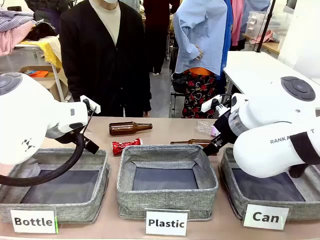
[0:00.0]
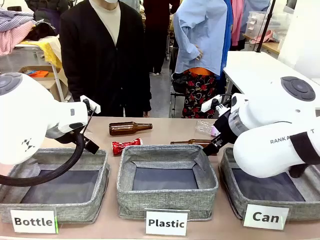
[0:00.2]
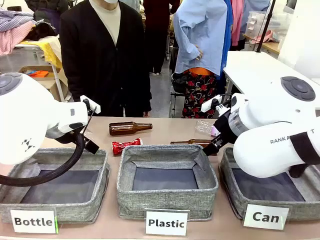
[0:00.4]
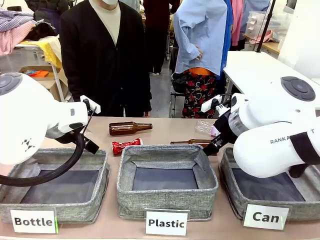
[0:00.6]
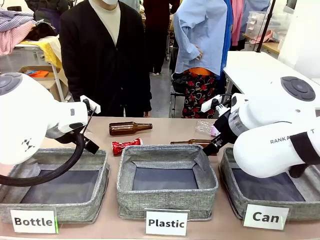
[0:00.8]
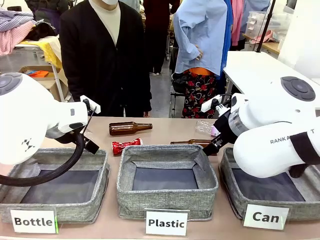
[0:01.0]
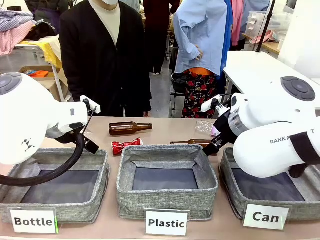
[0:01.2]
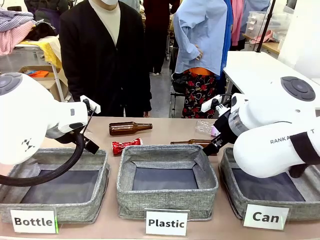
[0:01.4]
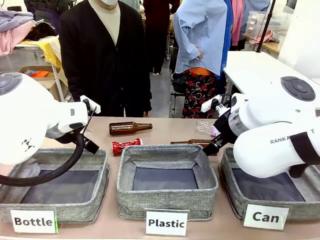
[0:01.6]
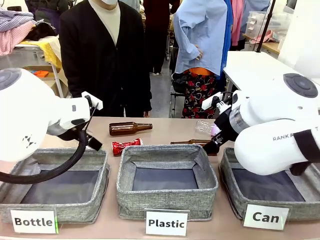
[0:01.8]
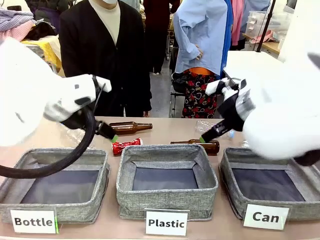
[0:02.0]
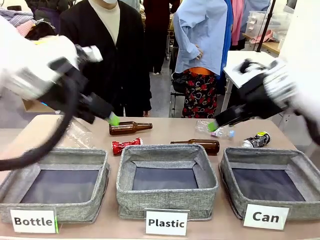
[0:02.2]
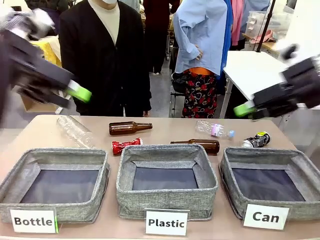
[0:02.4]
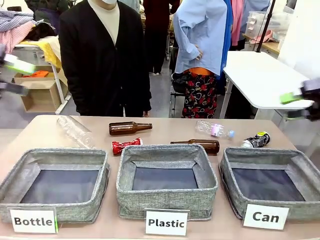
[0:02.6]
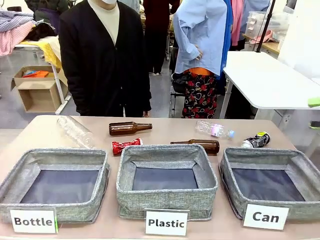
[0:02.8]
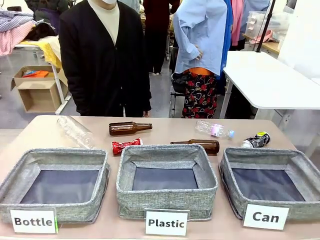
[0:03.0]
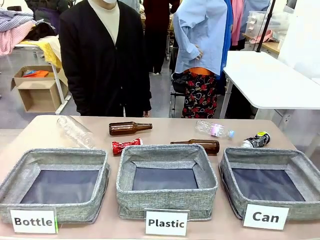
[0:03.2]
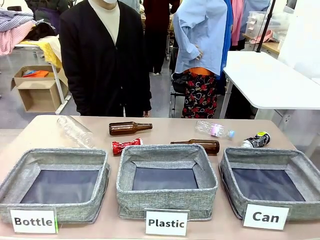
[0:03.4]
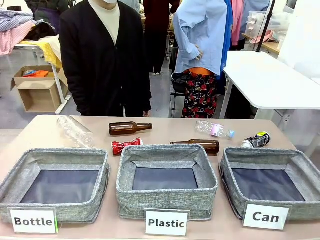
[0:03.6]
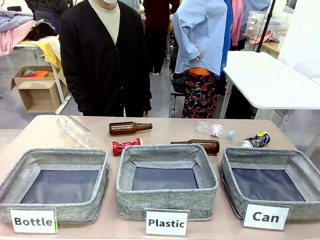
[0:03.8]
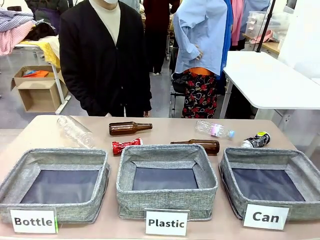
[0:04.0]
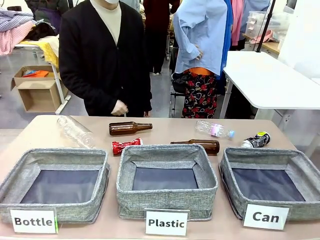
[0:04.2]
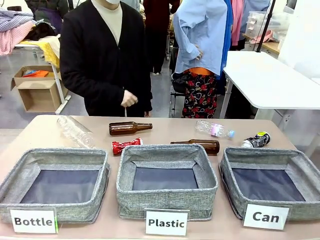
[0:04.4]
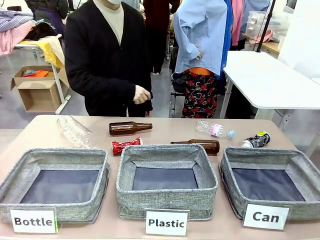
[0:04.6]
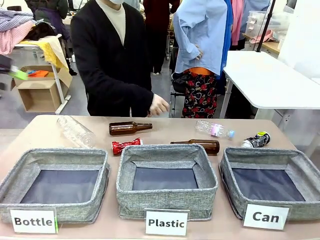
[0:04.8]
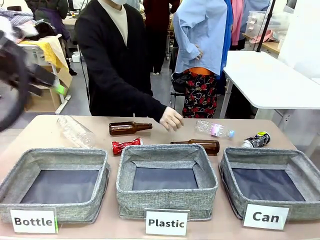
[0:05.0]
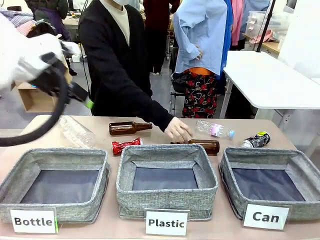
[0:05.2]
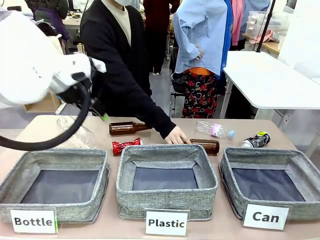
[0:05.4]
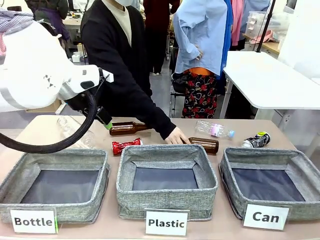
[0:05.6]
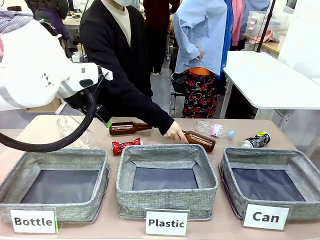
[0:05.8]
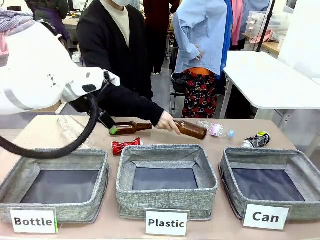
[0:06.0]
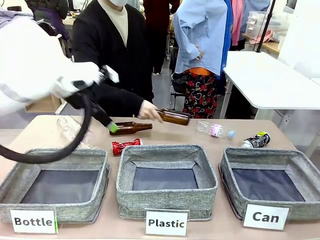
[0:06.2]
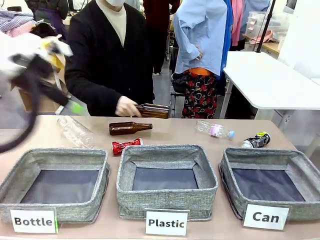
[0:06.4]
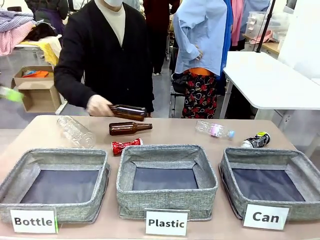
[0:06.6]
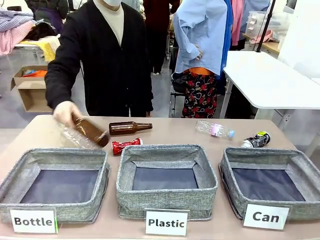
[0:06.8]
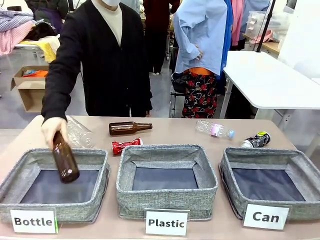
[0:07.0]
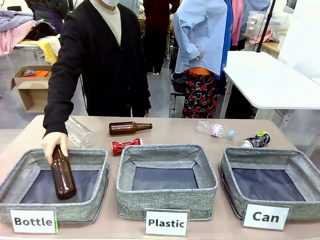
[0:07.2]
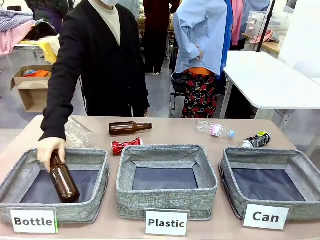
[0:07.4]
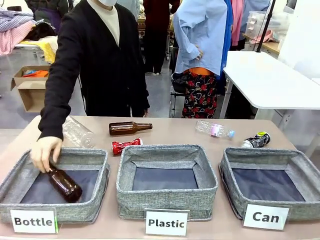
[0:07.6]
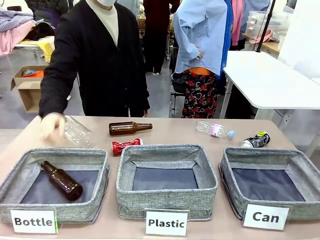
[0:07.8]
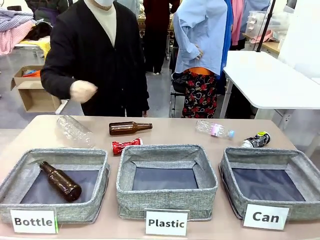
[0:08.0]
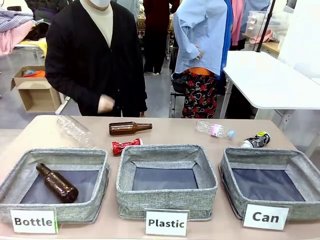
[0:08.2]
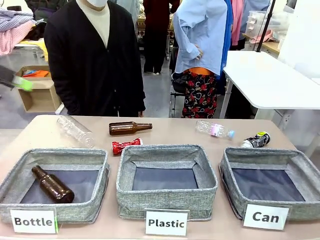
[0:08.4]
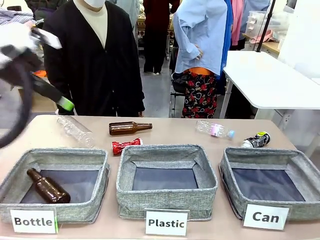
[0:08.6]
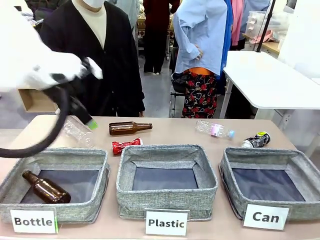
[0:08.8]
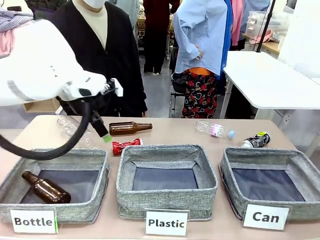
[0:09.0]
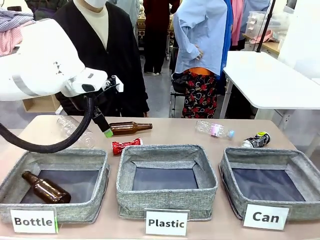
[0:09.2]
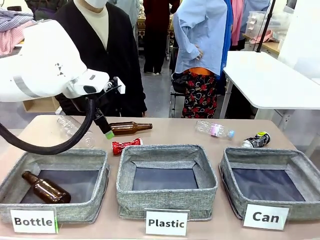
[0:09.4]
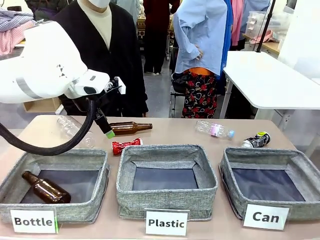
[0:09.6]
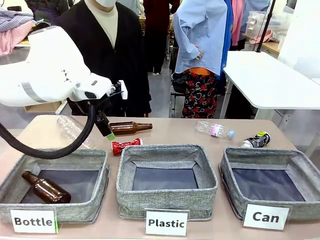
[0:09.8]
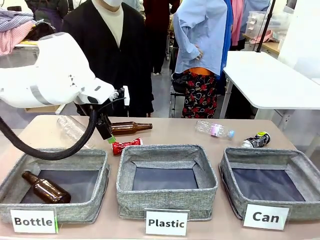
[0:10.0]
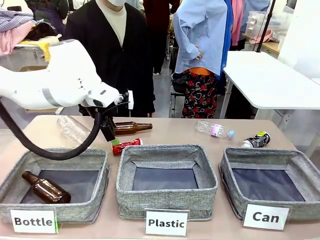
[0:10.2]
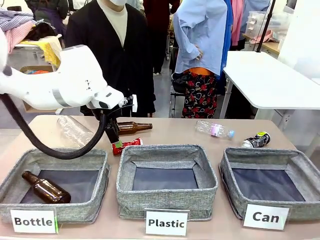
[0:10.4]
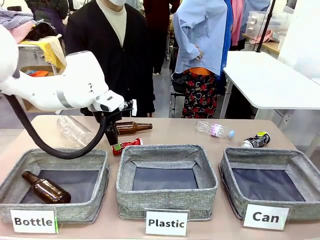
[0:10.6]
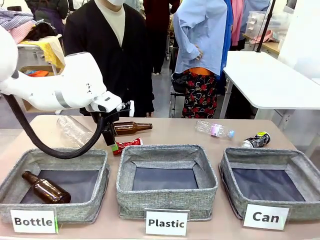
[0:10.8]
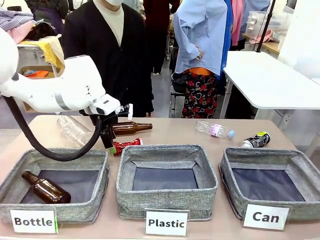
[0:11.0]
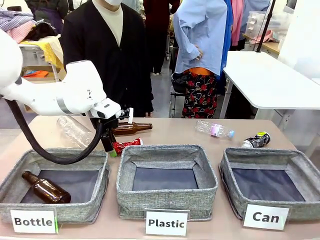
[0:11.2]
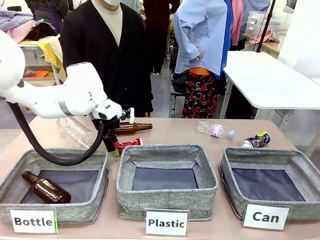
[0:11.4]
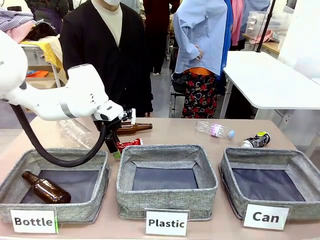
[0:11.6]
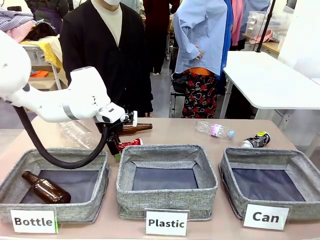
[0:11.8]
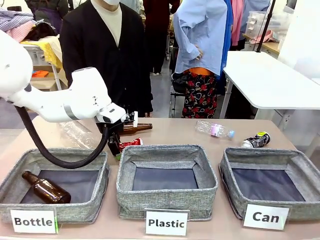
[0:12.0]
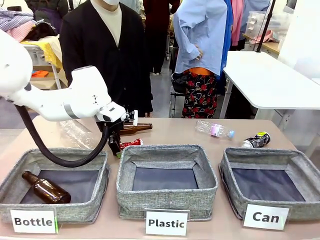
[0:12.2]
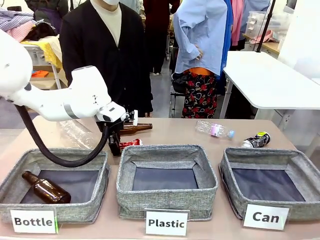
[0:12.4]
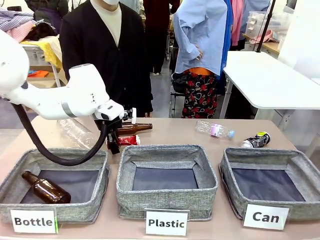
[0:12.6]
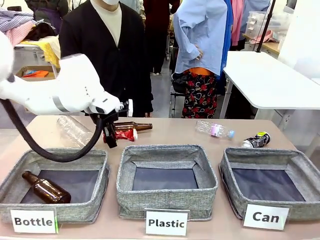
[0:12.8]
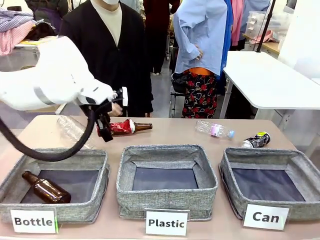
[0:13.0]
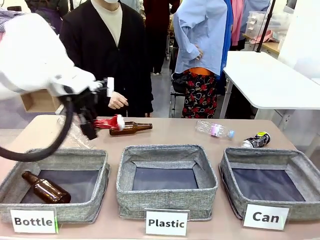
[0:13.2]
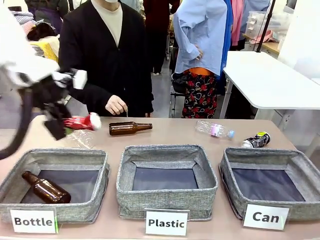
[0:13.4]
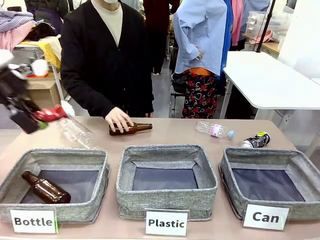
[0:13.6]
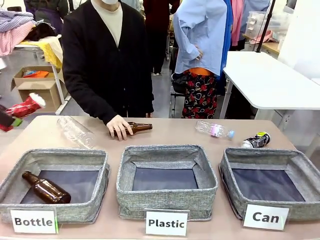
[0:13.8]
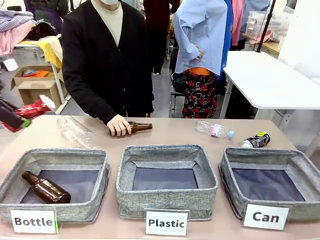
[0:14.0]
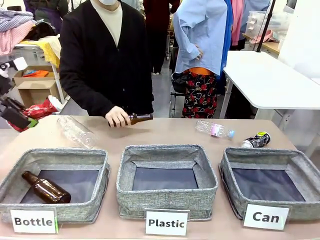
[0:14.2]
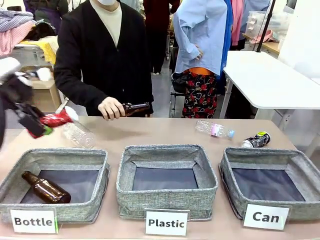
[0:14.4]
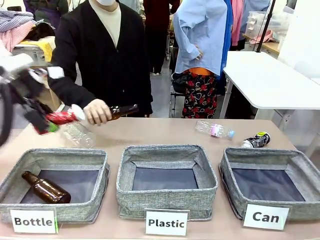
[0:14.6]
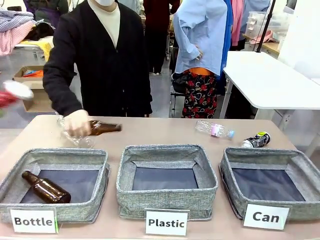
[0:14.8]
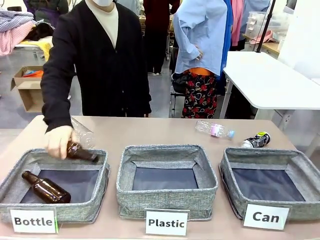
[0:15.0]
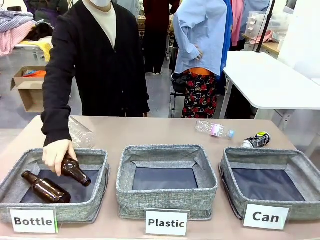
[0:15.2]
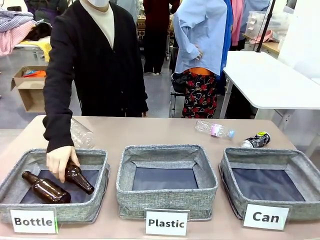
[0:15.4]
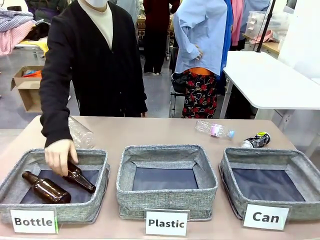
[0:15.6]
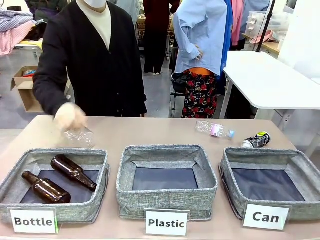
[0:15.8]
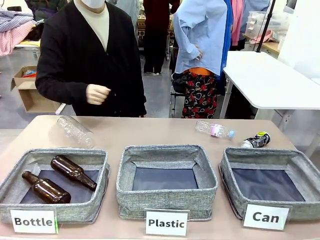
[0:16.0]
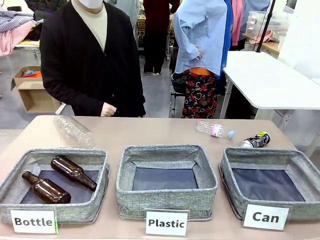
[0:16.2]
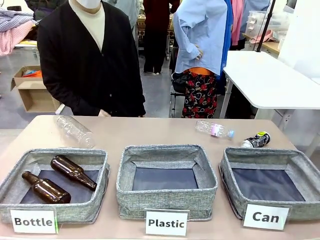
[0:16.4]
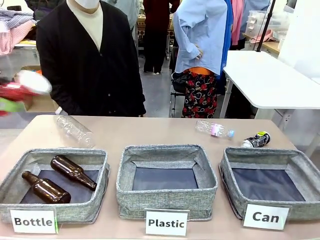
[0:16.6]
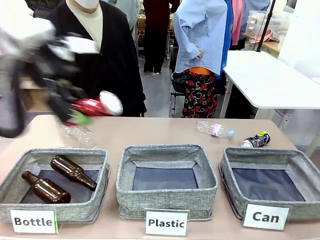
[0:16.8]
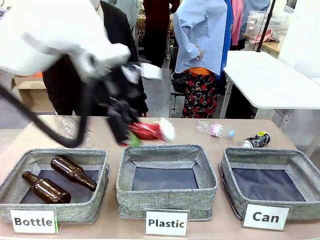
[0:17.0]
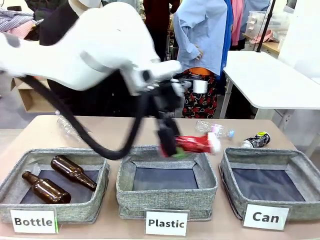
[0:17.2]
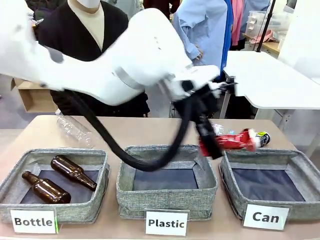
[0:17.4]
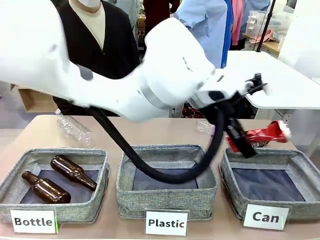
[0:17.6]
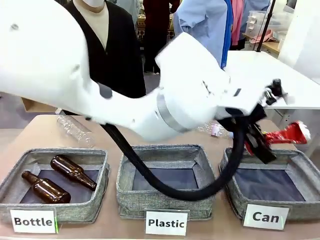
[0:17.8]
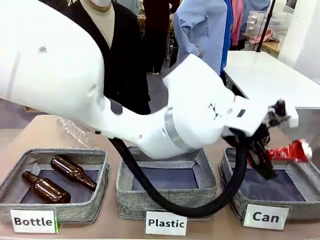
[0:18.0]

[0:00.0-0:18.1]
Task: Sort the can waste into the basket.
Robot: Pick up the can waste from the table and place it in the right Fabric basket.
